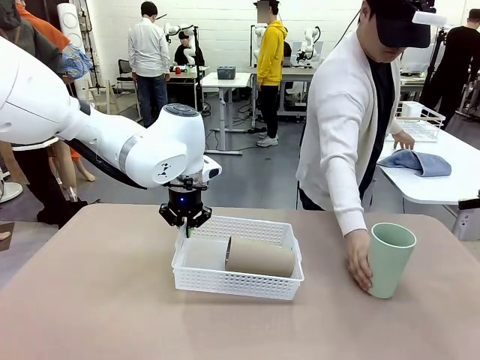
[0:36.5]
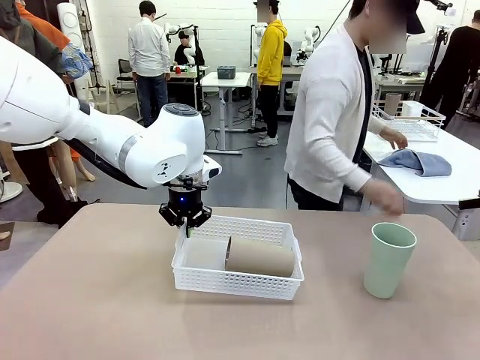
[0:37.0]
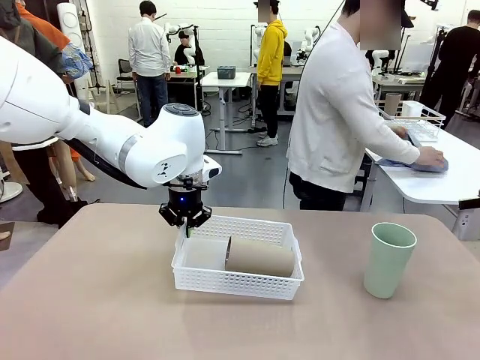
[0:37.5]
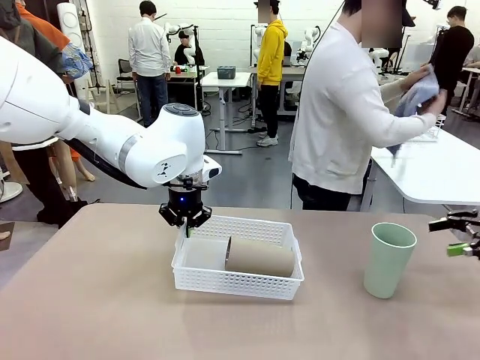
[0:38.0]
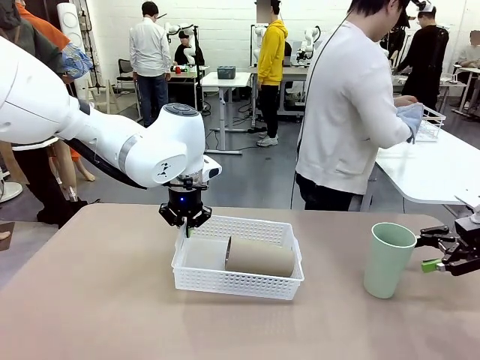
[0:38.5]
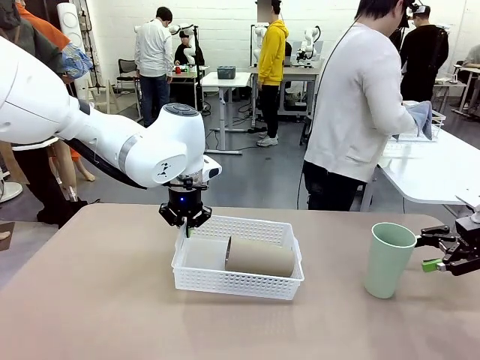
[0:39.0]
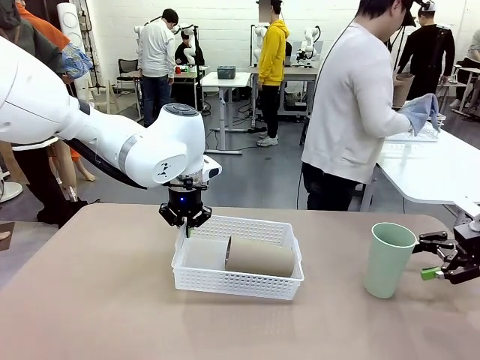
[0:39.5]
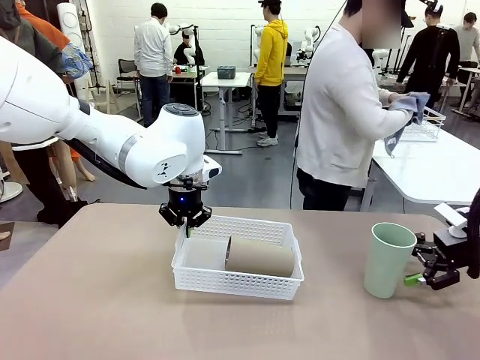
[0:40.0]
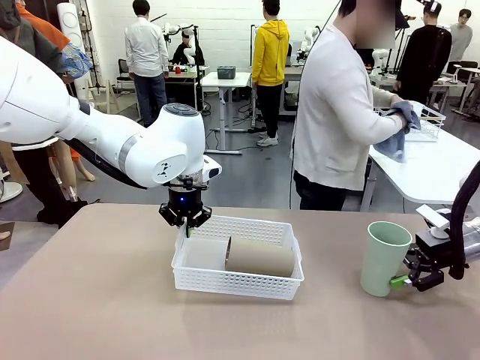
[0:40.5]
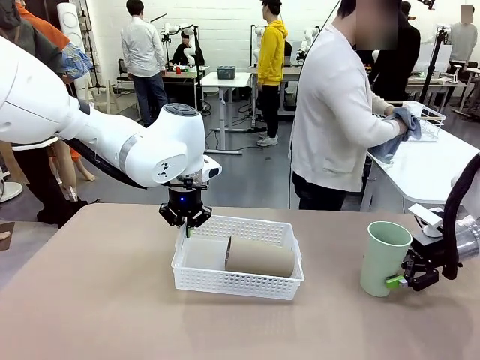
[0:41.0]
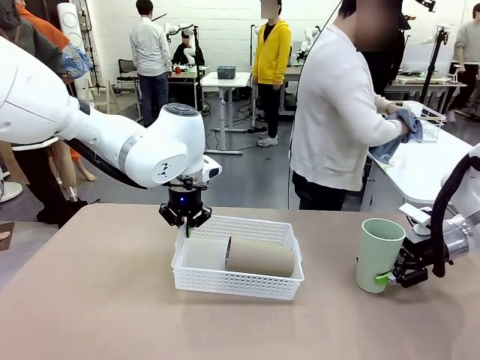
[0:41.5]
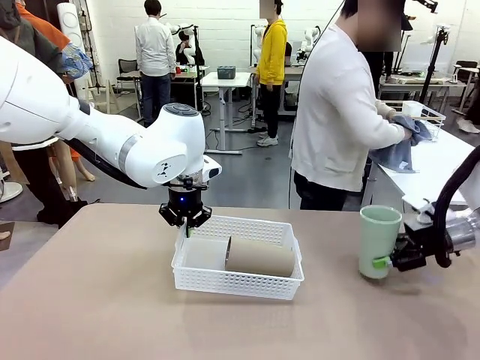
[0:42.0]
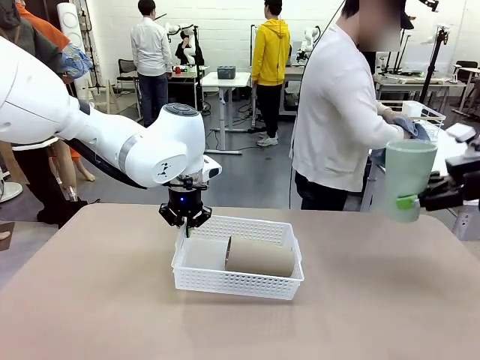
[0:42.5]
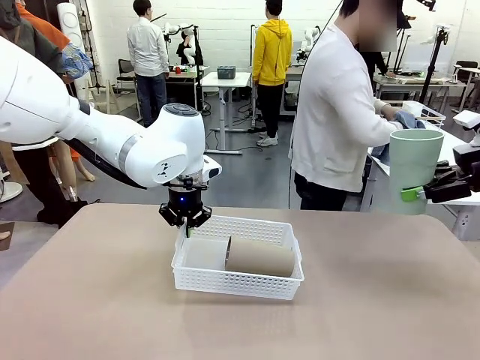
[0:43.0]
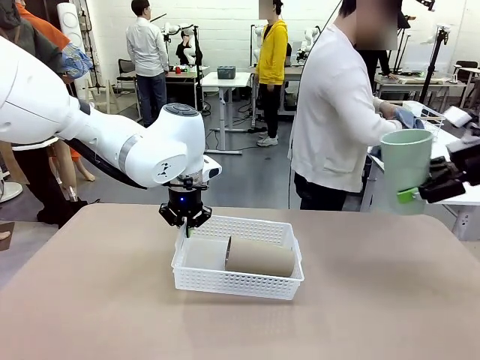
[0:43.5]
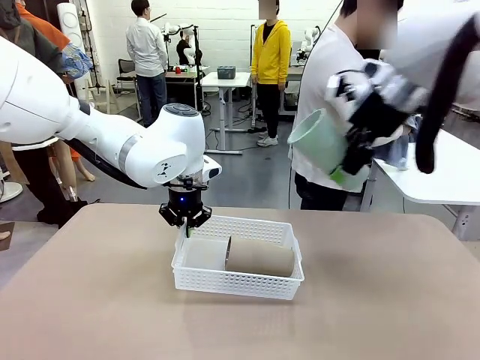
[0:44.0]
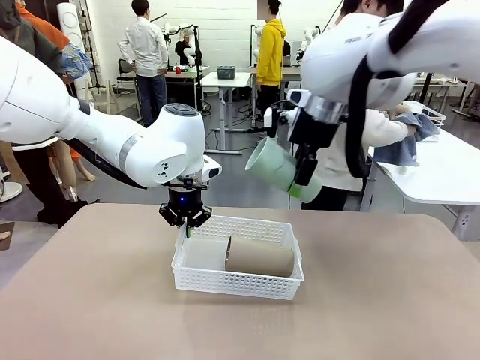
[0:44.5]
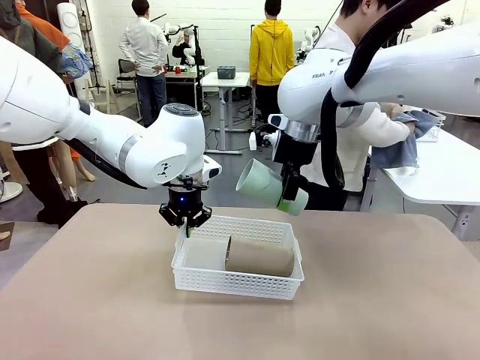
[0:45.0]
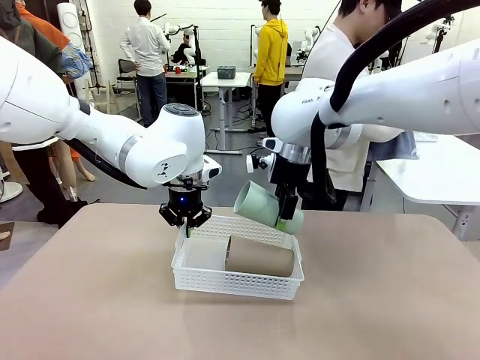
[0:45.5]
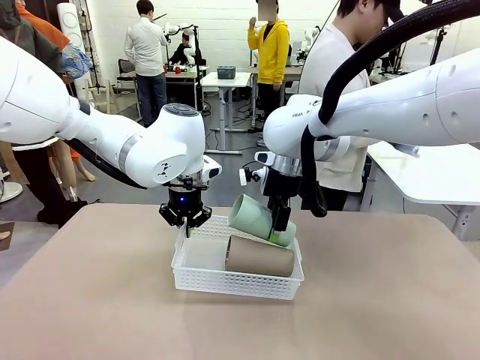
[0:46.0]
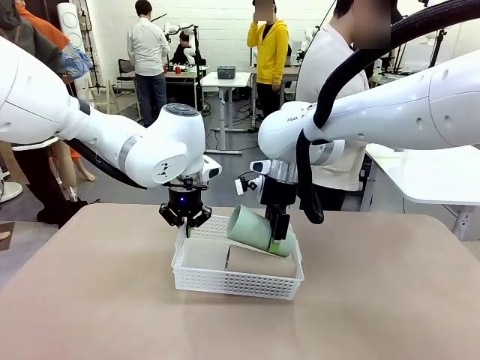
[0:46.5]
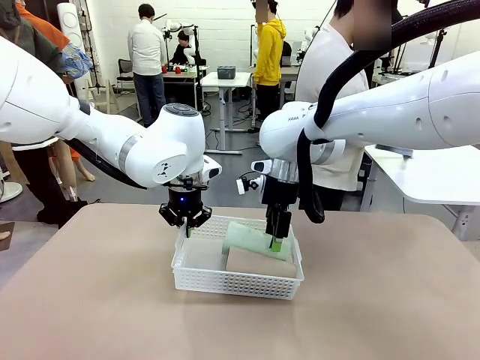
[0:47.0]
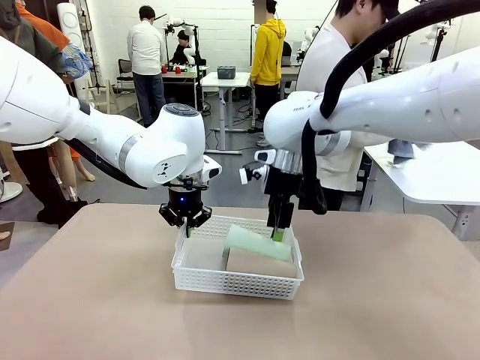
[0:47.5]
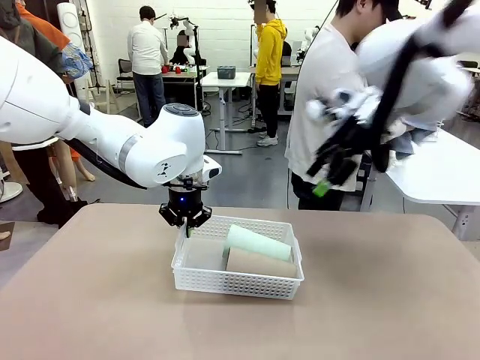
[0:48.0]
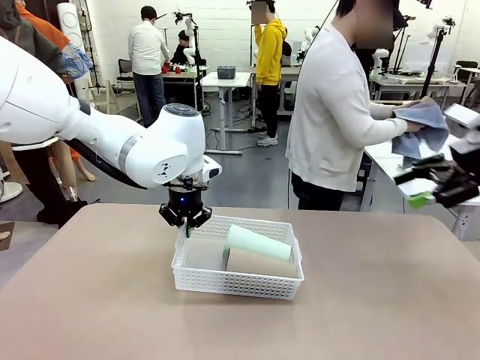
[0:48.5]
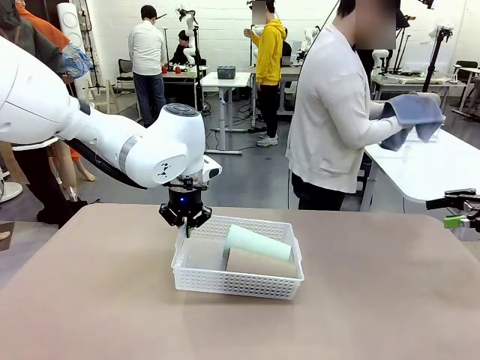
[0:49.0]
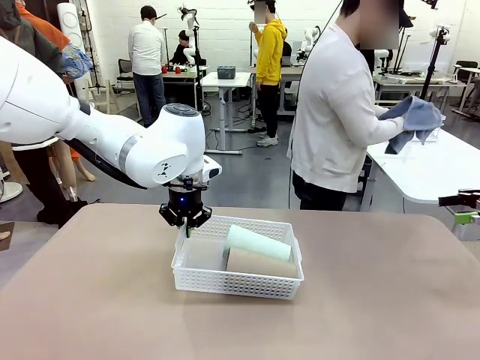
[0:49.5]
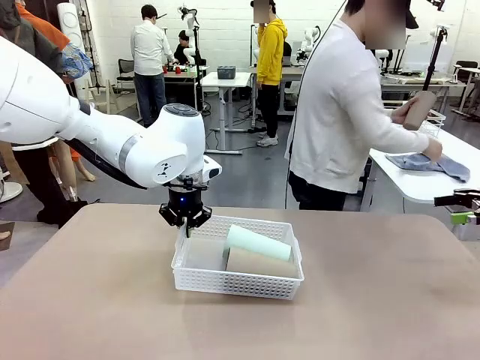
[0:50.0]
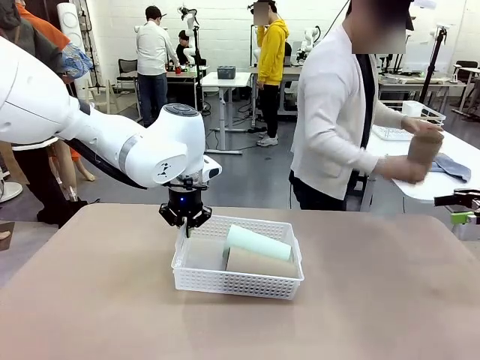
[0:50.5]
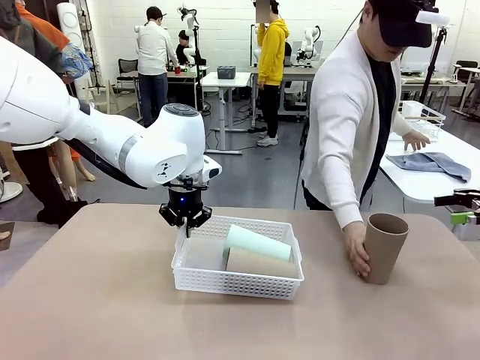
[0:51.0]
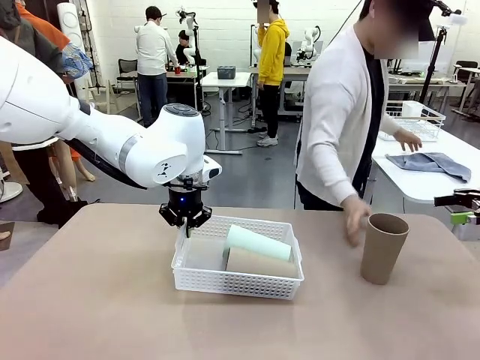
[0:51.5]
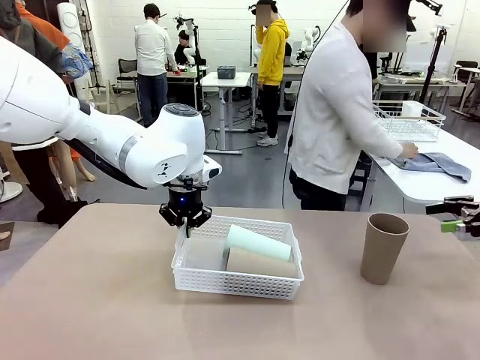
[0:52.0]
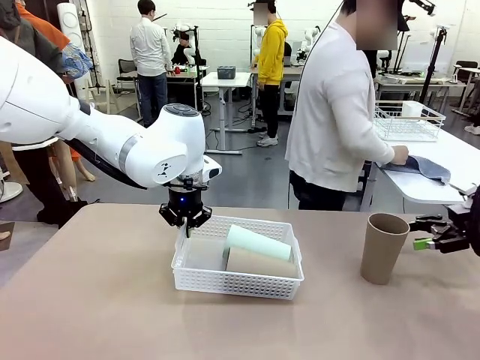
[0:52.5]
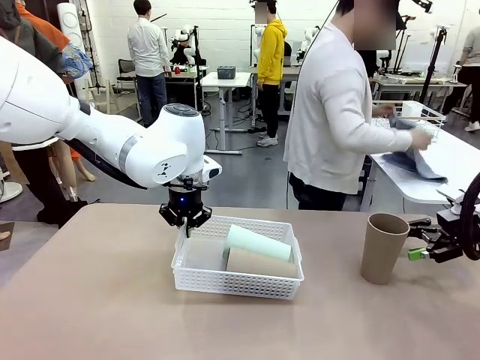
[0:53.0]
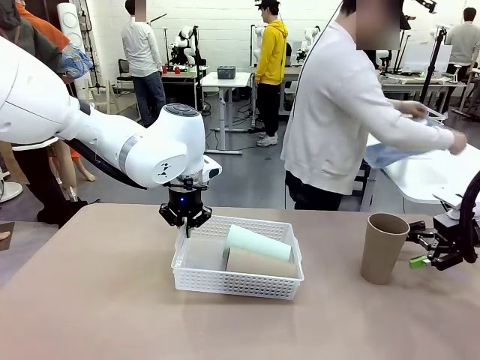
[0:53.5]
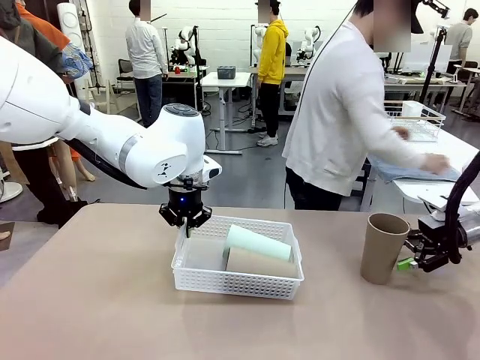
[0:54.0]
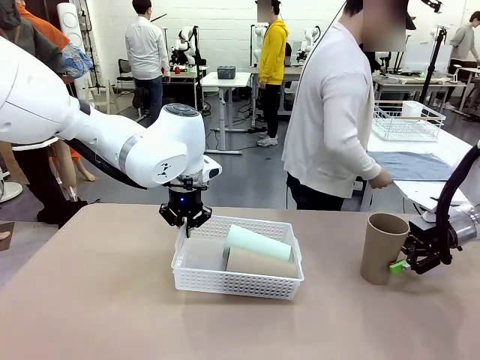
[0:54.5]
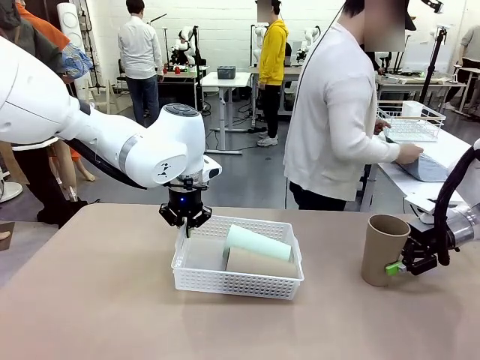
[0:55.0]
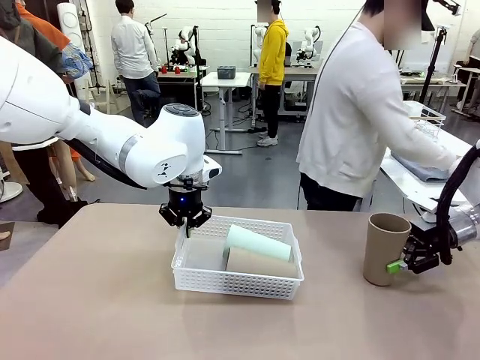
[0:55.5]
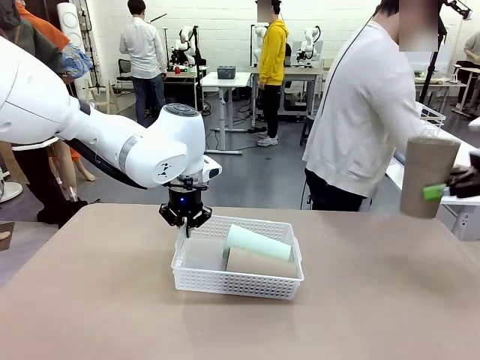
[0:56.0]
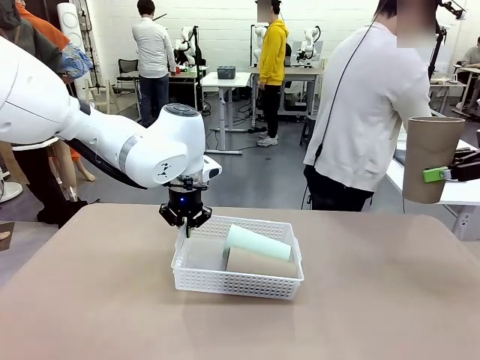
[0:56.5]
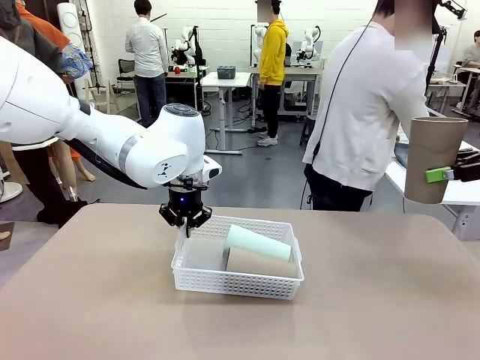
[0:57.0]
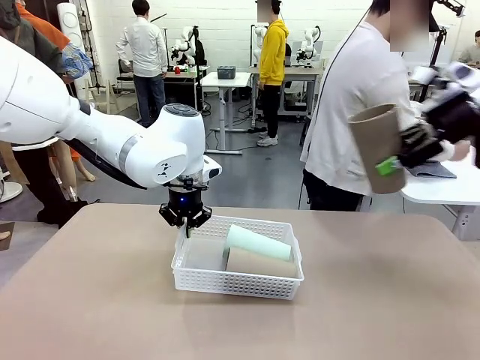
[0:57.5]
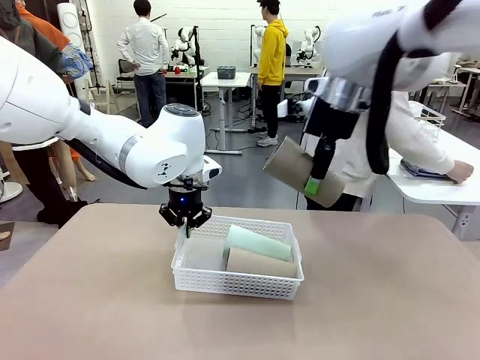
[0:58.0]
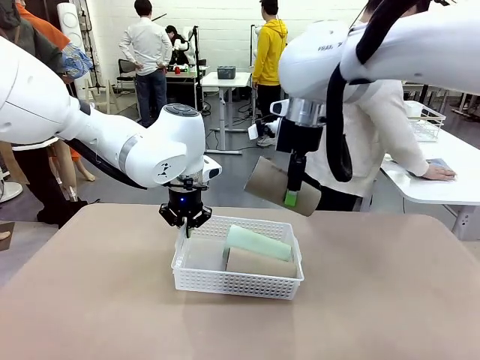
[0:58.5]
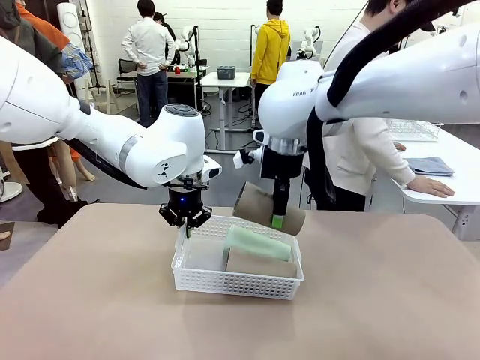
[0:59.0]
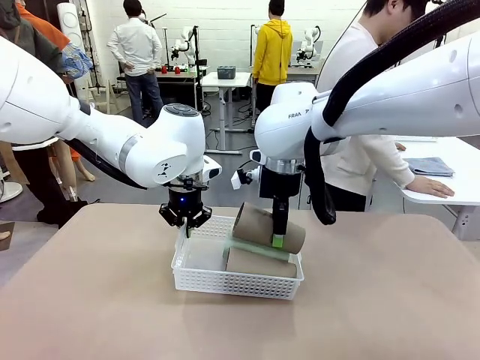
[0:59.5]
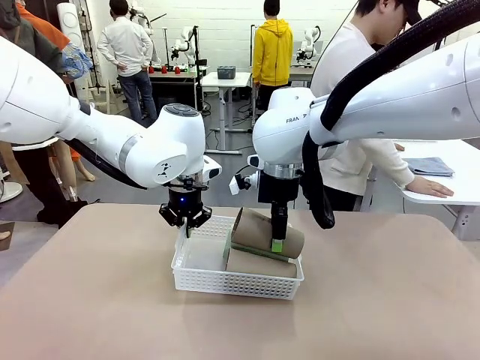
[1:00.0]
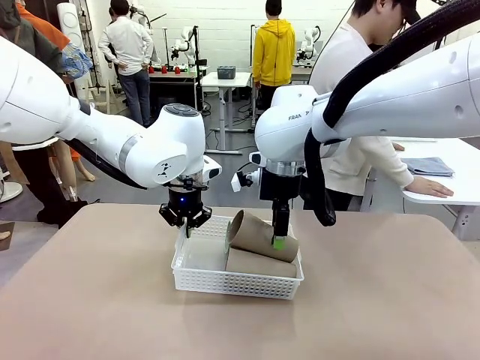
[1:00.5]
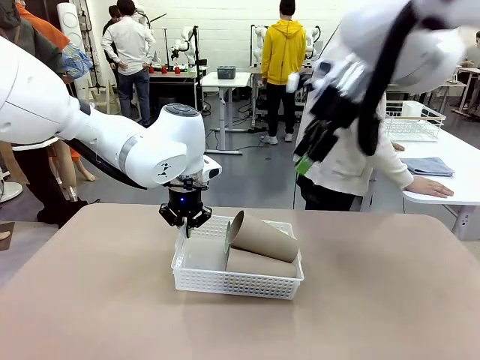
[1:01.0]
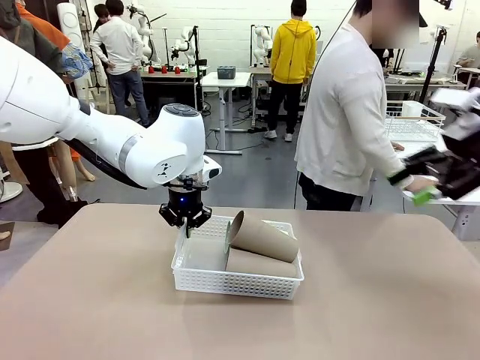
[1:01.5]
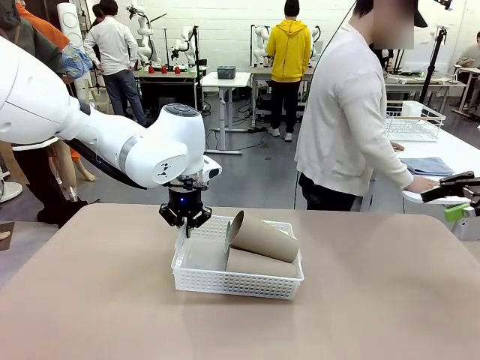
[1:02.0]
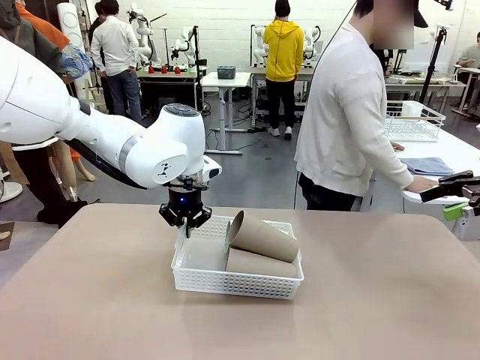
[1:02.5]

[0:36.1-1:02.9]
Task: Clean and organize the cups into the basket.
Robot: Pick up the Reusable plastic cup from the right side of the table and stack it inside the Organizing basket in the center of the table.
